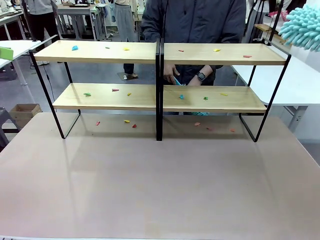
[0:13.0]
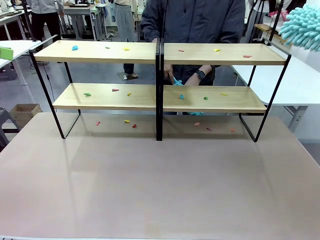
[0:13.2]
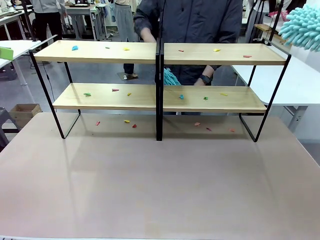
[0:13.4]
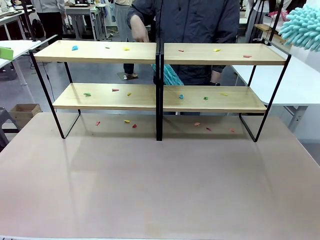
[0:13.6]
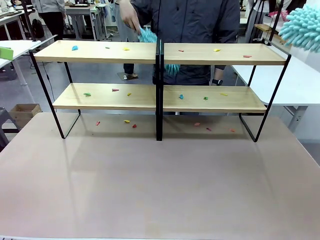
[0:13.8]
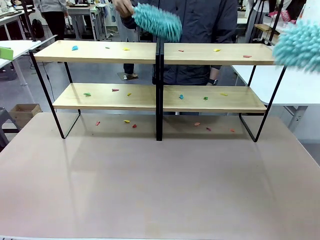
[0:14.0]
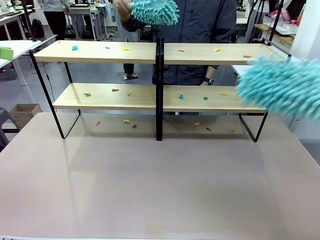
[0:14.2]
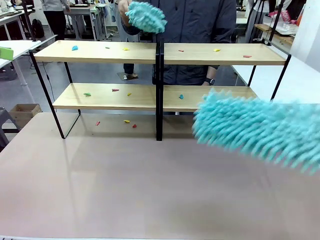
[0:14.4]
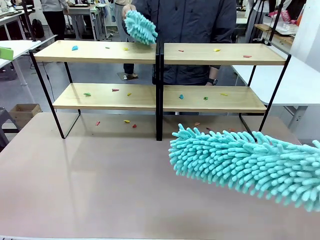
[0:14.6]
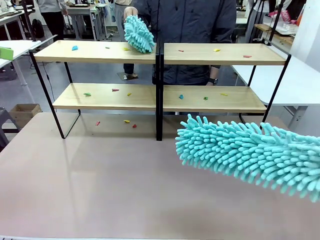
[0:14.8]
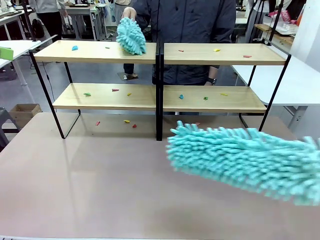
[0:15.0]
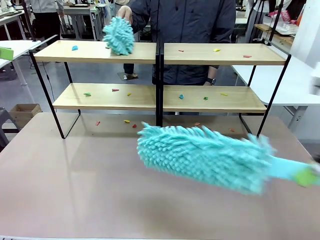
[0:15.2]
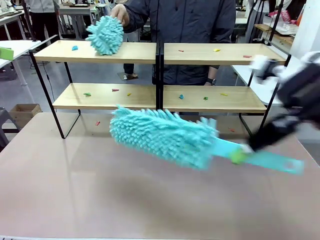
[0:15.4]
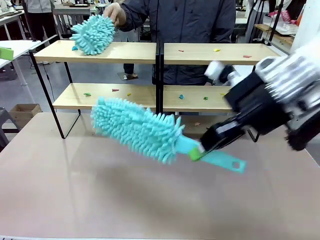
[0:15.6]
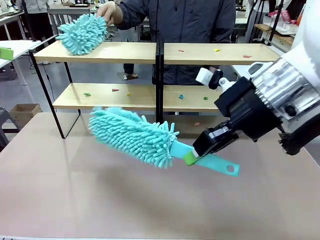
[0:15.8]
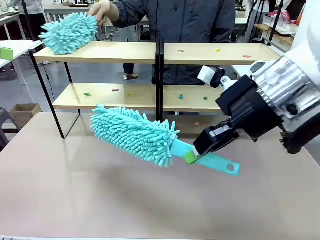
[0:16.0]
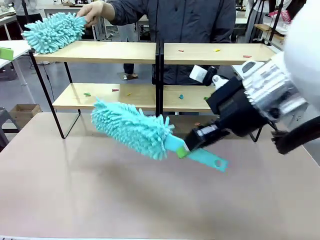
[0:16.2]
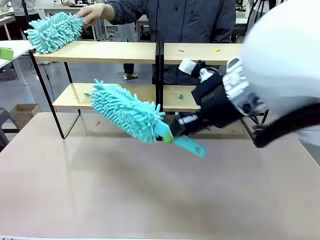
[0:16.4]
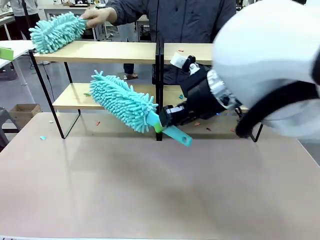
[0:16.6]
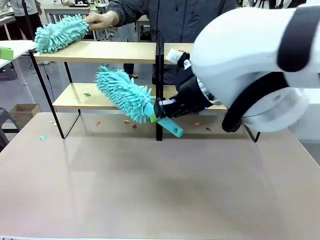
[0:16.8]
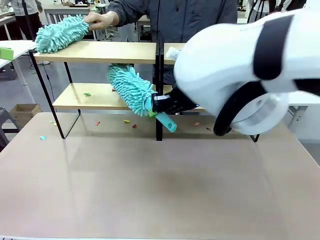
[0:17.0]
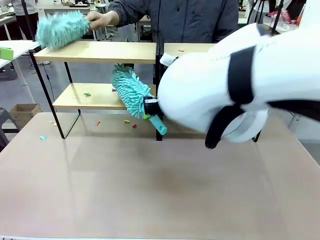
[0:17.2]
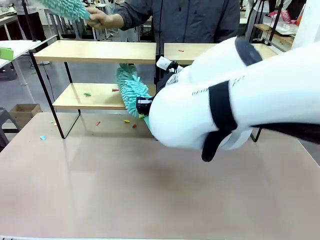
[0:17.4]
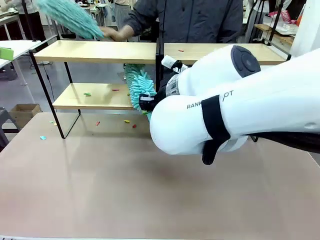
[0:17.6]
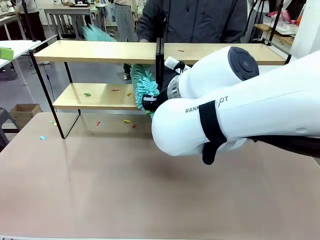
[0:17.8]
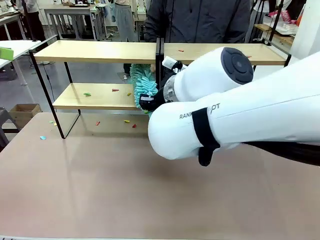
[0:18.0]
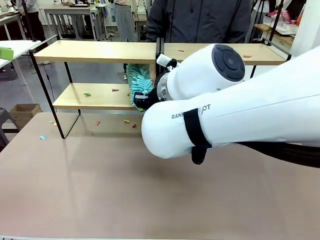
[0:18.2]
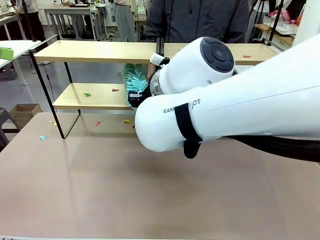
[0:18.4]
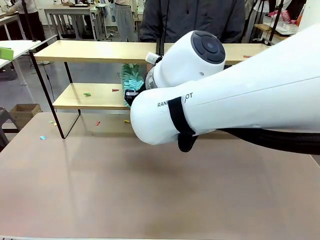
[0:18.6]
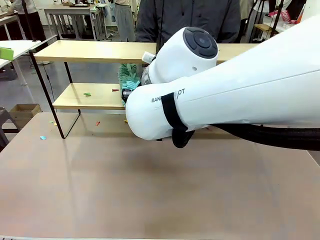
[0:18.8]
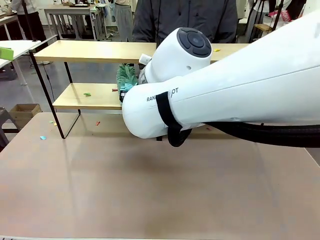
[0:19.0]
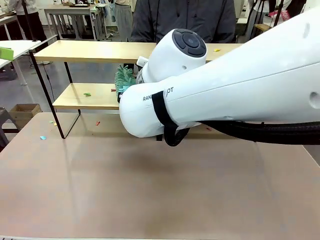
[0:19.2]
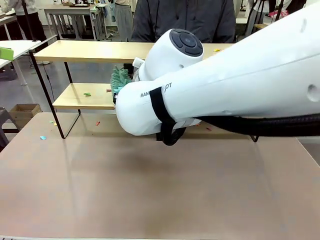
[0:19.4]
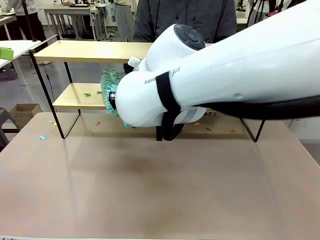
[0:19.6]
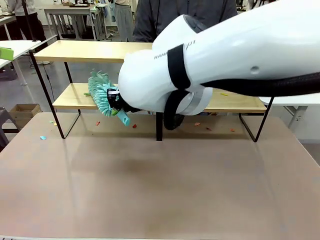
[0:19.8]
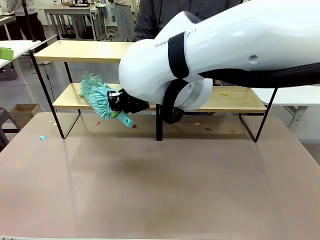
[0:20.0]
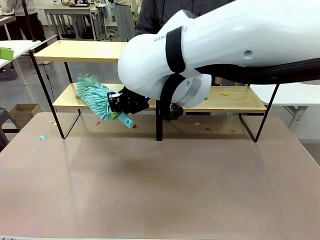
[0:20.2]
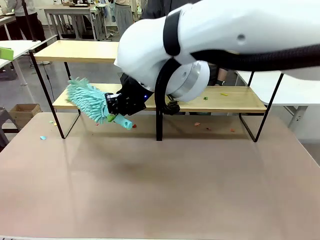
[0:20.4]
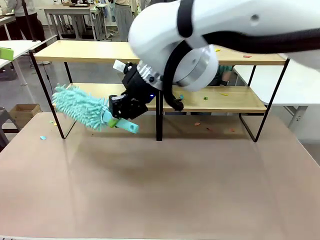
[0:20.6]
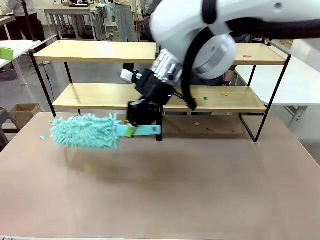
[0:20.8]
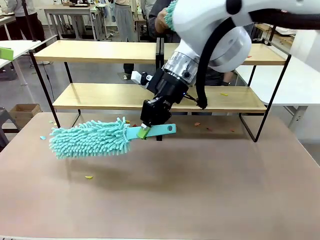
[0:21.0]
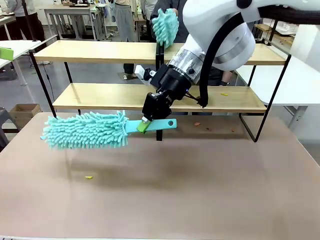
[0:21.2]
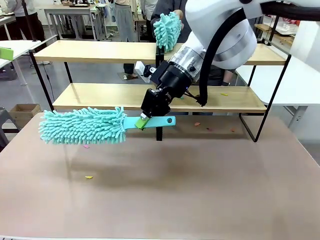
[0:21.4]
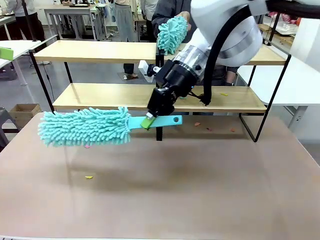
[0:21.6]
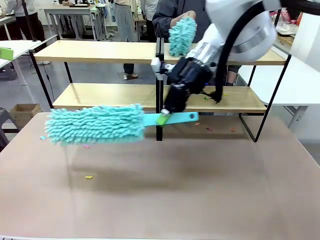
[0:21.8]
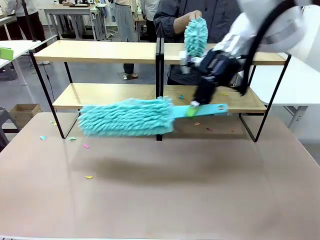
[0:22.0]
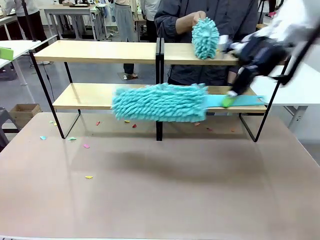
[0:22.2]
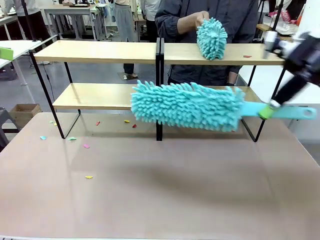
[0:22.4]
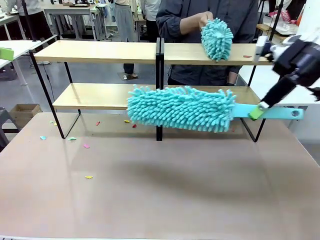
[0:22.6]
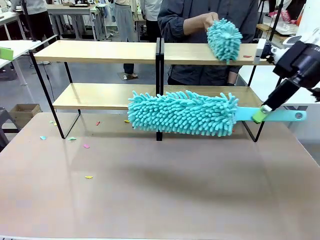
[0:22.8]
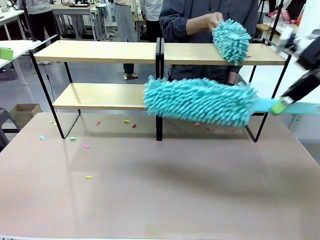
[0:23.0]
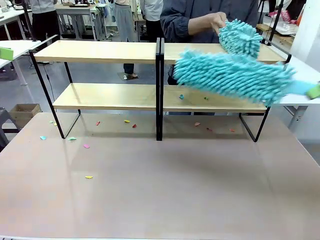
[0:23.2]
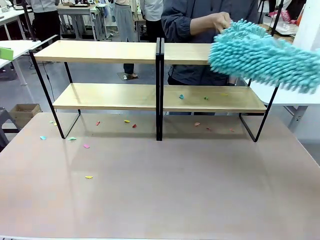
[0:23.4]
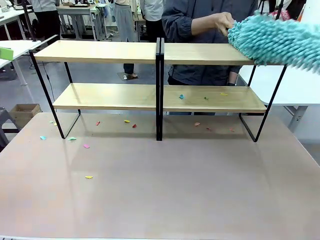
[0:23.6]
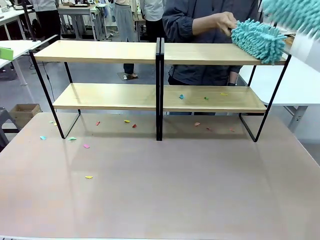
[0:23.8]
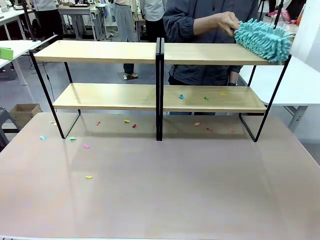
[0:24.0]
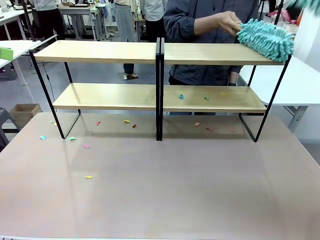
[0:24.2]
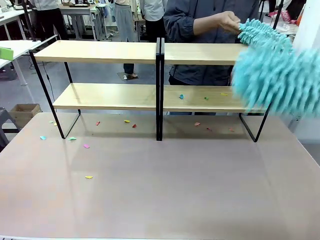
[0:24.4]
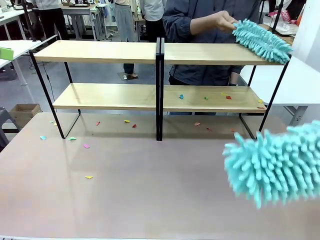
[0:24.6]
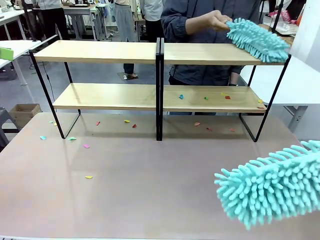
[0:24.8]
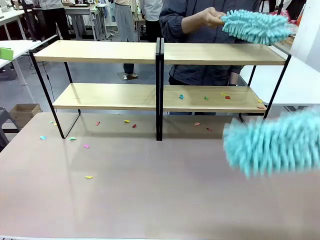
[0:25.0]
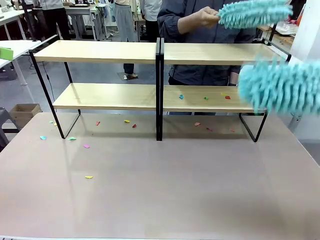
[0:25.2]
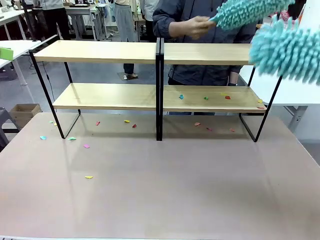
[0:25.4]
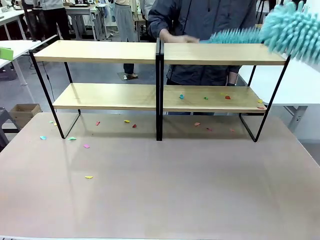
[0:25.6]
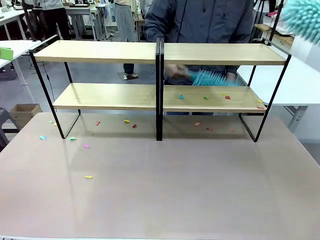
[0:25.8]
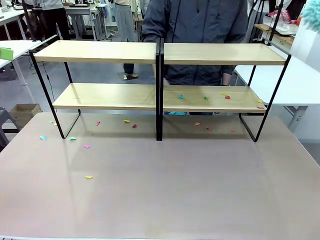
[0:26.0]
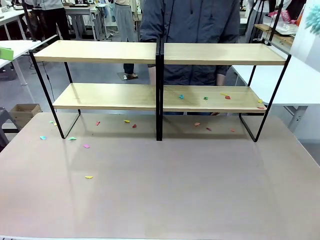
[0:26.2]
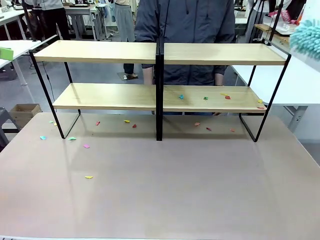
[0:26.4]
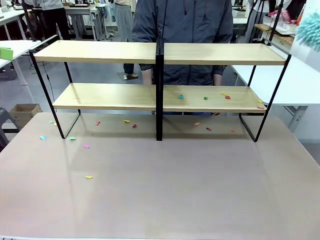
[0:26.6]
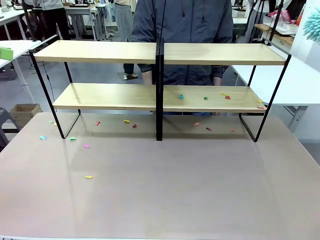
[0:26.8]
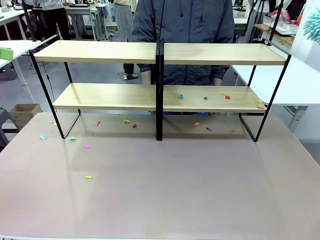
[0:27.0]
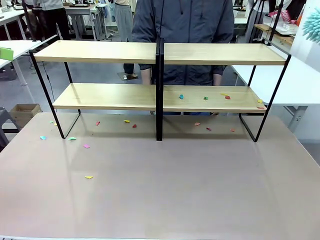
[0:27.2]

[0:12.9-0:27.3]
Task: Clean the shelves.
Robot: Clean a randomly selected level of the Shelf with the Duster.

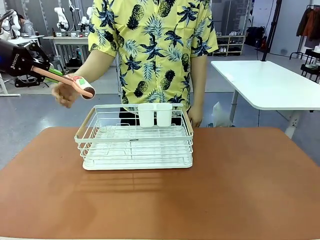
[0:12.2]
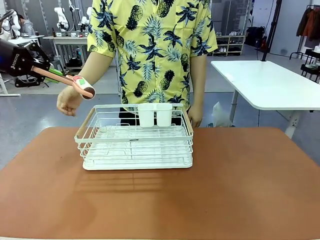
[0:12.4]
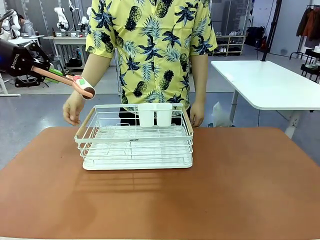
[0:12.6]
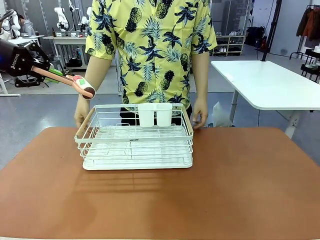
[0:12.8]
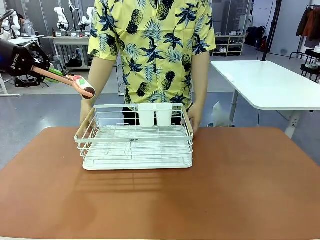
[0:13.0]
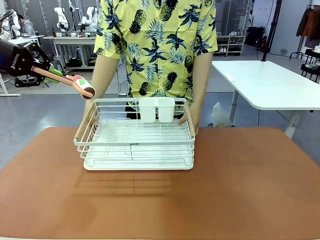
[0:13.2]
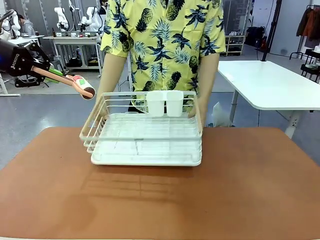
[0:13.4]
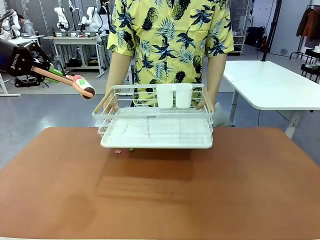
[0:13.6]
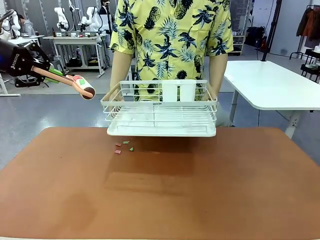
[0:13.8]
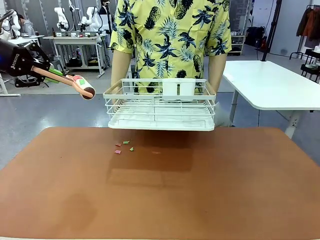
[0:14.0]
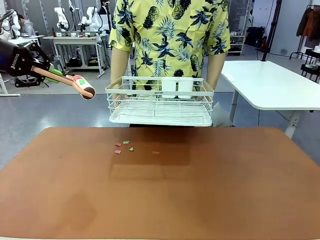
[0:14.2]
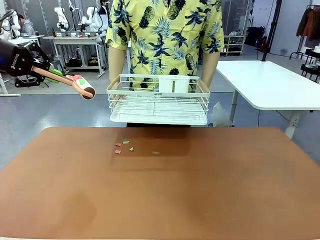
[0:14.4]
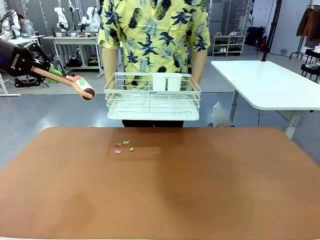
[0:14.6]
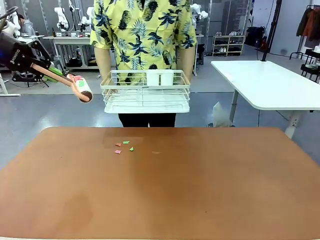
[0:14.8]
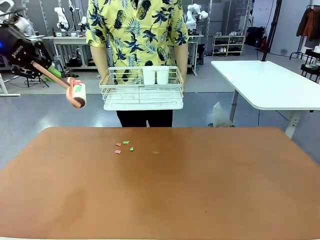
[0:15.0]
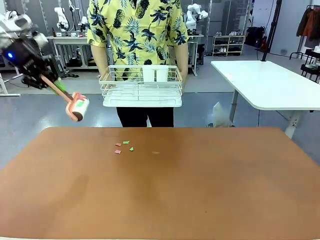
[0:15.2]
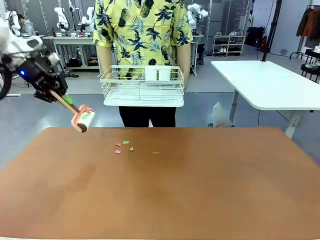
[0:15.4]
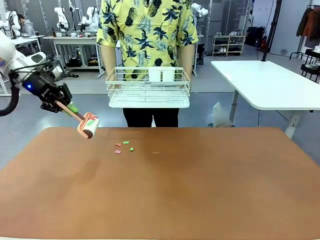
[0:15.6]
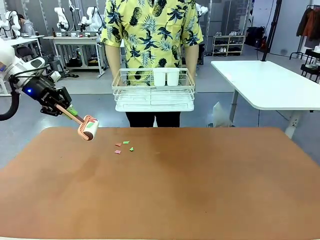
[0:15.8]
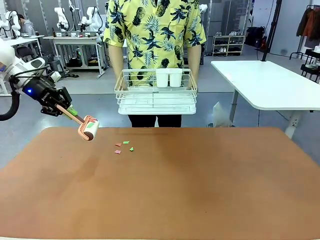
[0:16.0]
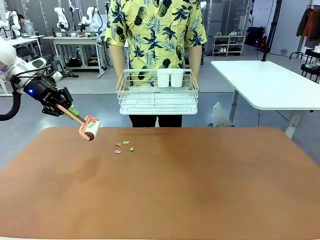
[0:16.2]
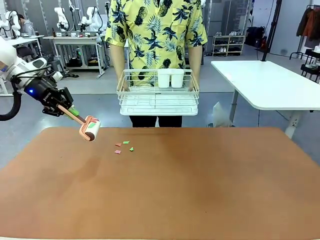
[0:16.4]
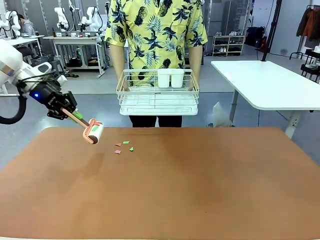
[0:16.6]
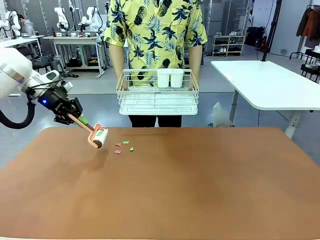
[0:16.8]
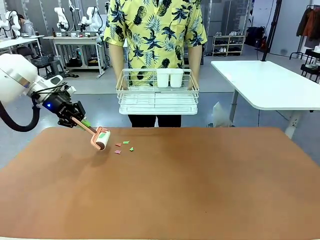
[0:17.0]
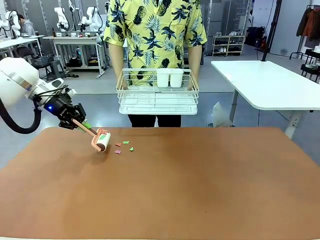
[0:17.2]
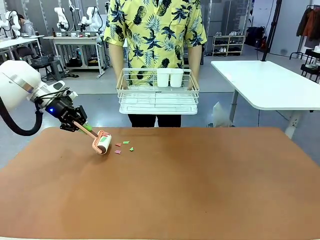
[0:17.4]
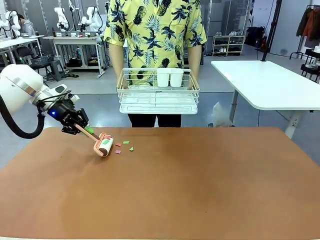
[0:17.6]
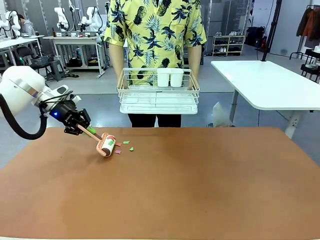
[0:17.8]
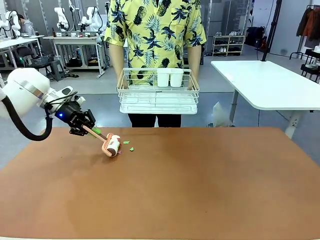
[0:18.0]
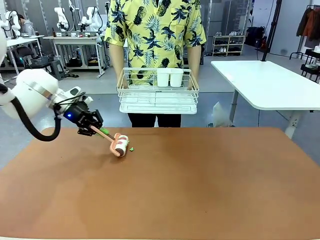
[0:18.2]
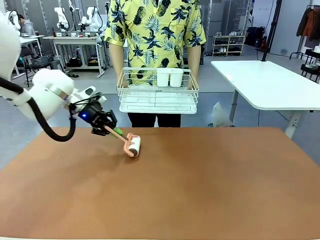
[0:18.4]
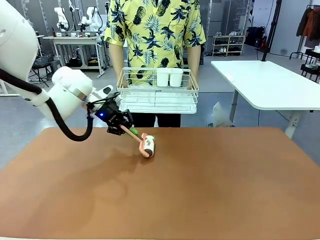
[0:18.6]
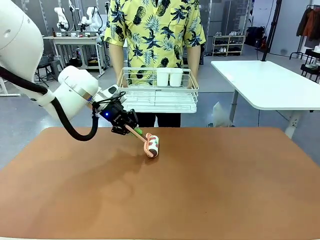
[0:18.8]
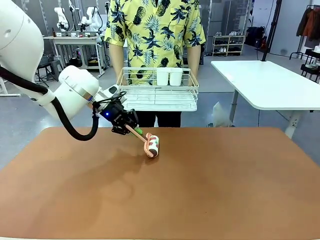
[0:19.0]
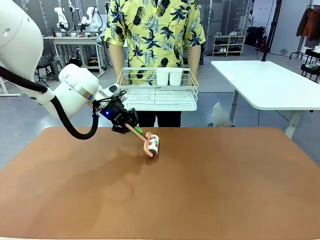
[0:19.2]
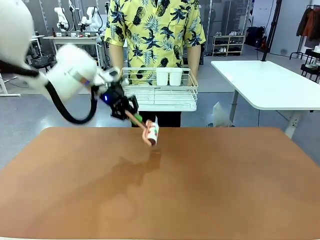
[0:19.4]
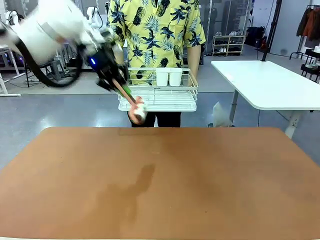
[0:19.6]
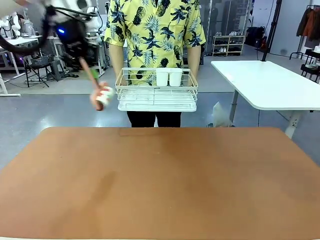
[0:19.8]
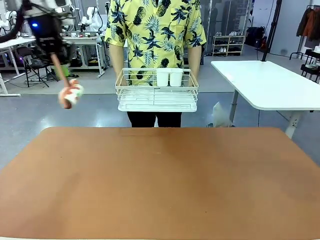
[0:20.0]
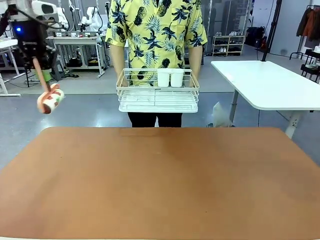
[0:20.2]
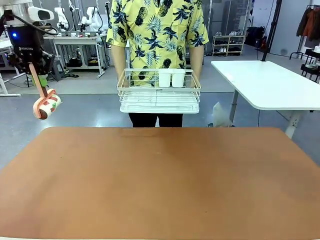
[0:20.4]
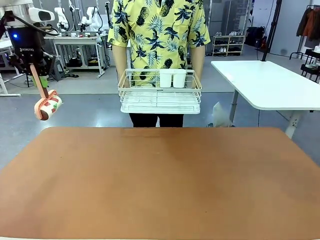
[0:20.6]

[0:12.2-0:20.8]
Task: Clean the table.
Robot: Clean the table with the Lint Roller when the human lifts the Dish drying rack.
